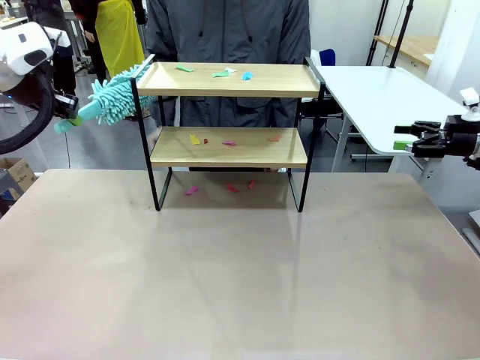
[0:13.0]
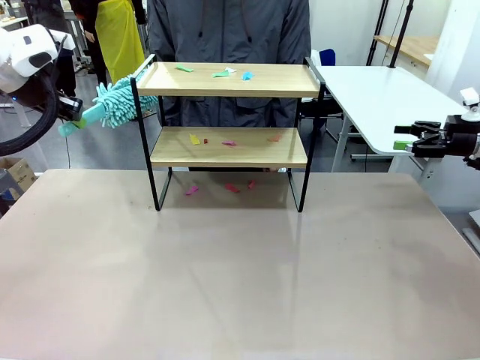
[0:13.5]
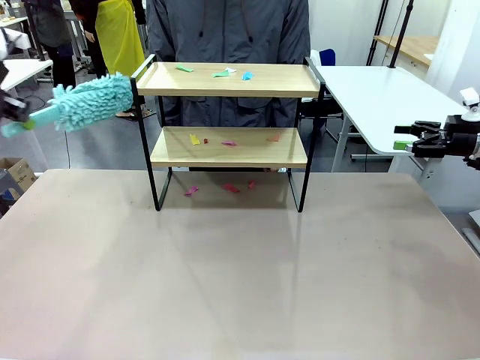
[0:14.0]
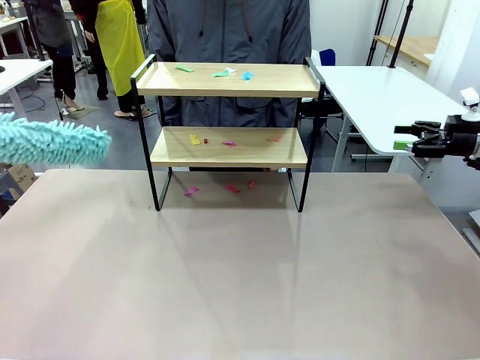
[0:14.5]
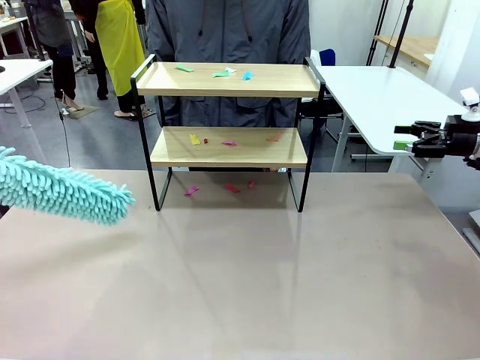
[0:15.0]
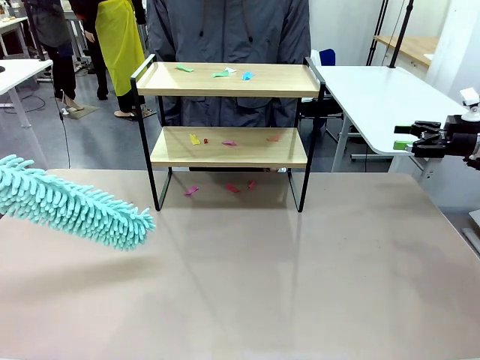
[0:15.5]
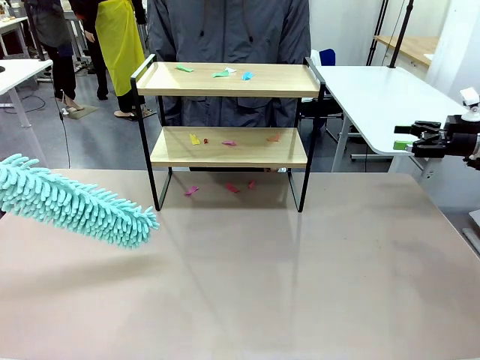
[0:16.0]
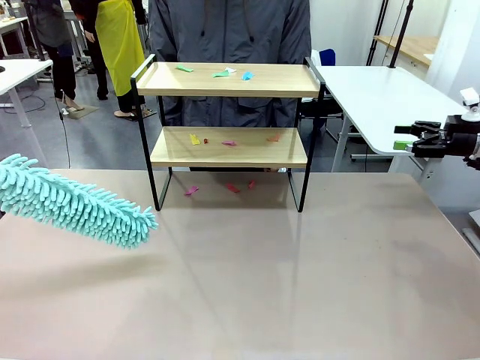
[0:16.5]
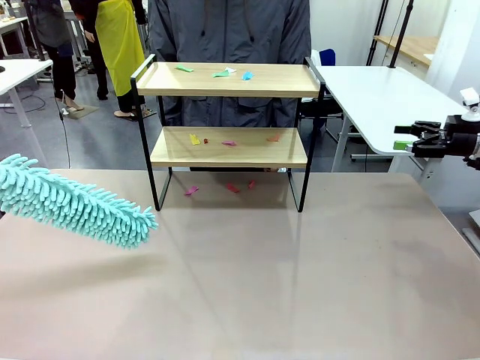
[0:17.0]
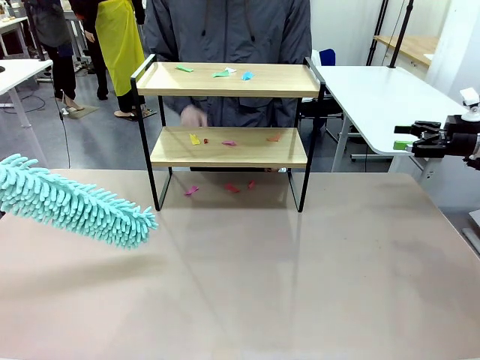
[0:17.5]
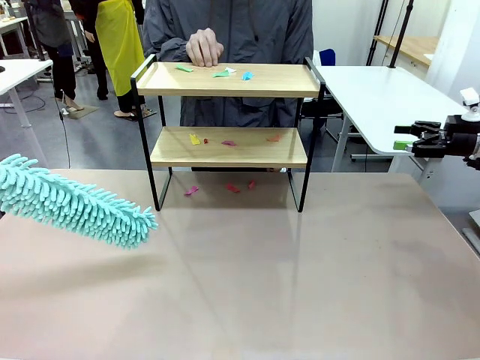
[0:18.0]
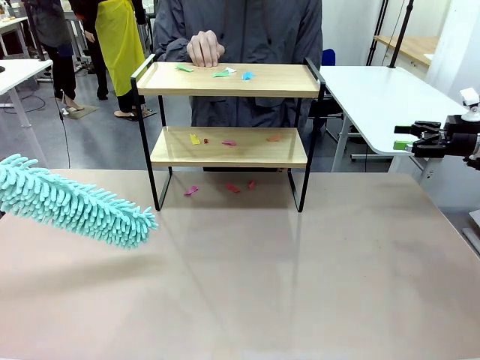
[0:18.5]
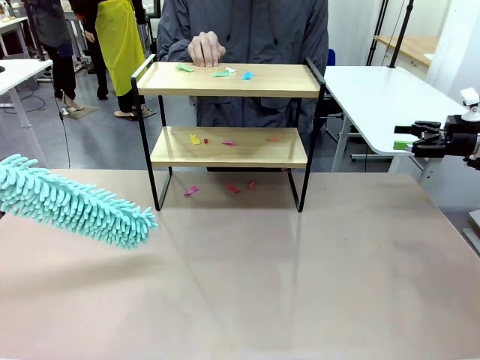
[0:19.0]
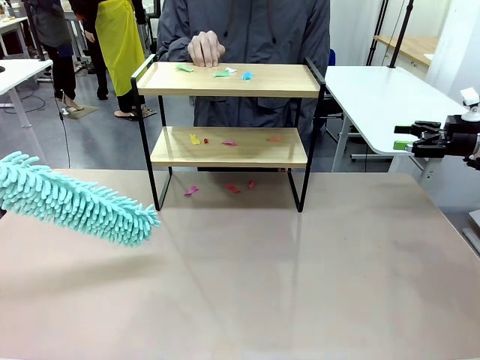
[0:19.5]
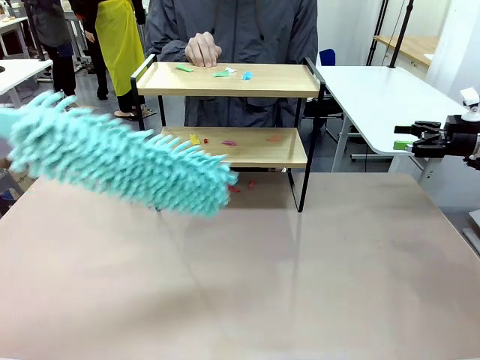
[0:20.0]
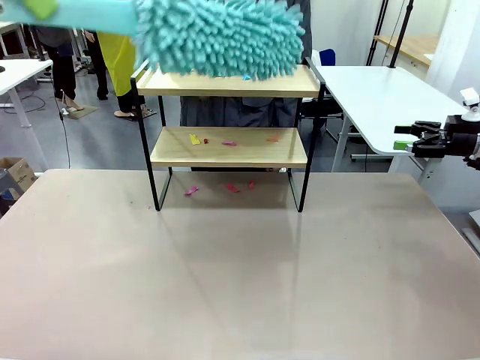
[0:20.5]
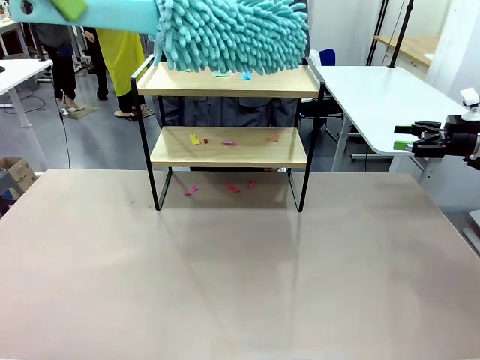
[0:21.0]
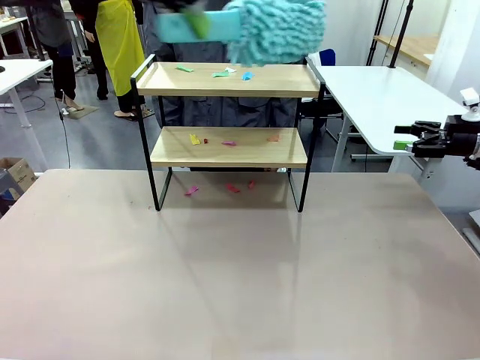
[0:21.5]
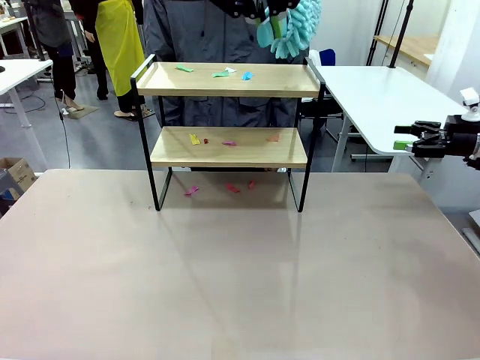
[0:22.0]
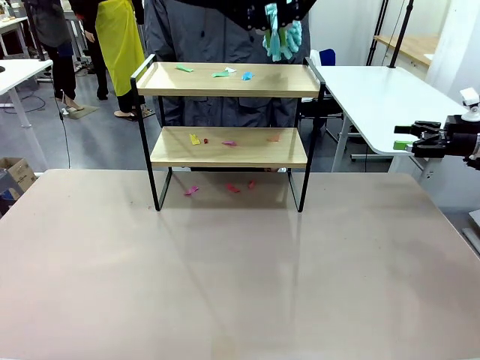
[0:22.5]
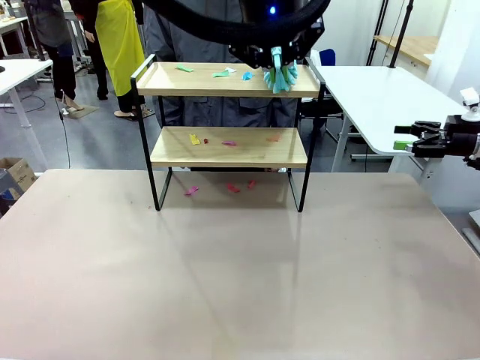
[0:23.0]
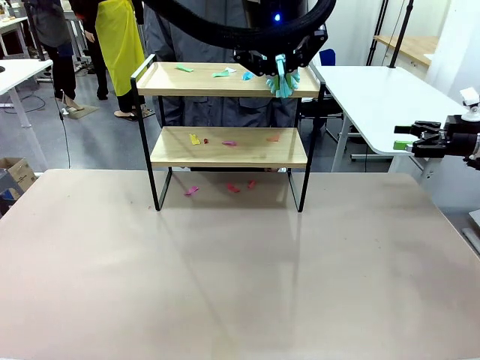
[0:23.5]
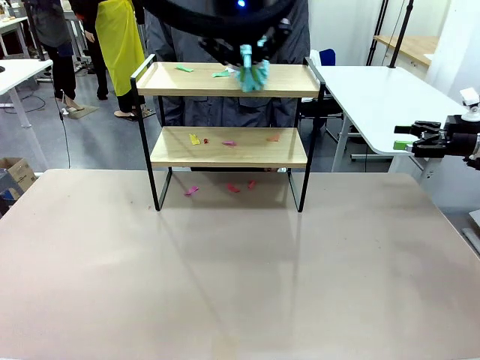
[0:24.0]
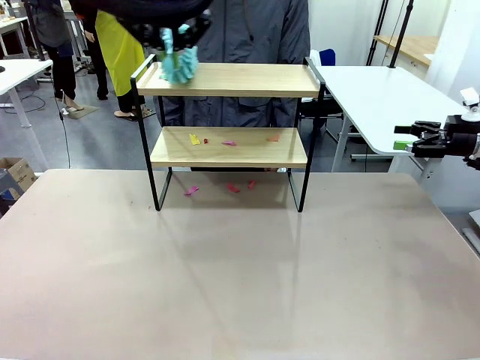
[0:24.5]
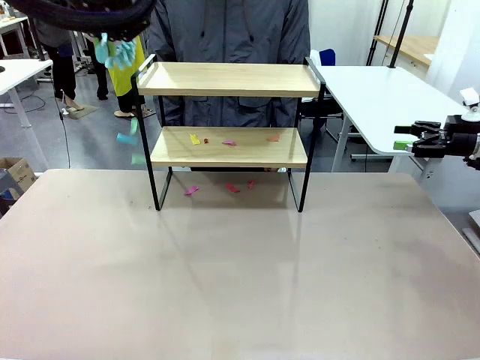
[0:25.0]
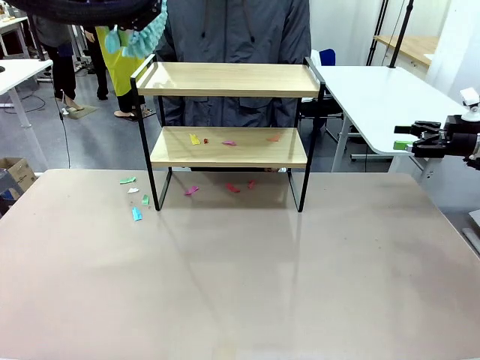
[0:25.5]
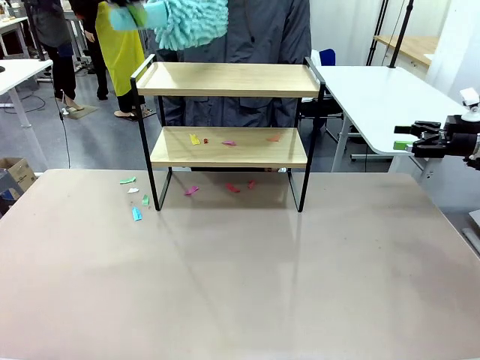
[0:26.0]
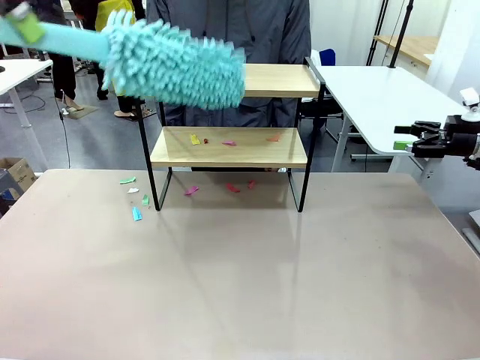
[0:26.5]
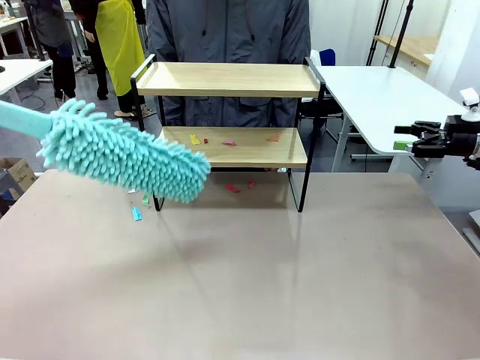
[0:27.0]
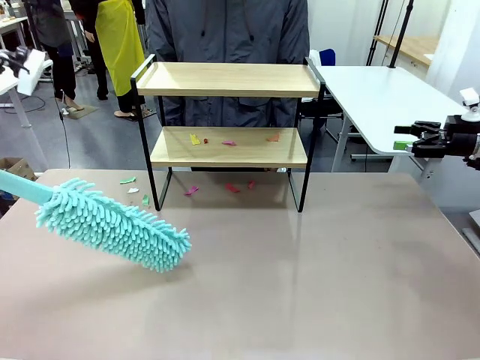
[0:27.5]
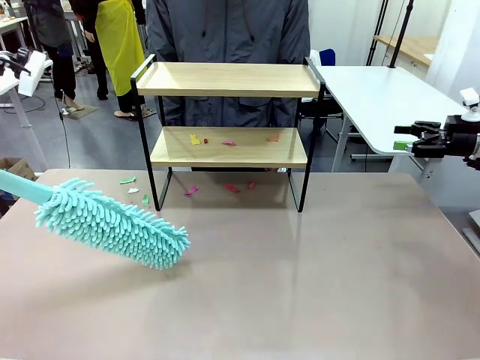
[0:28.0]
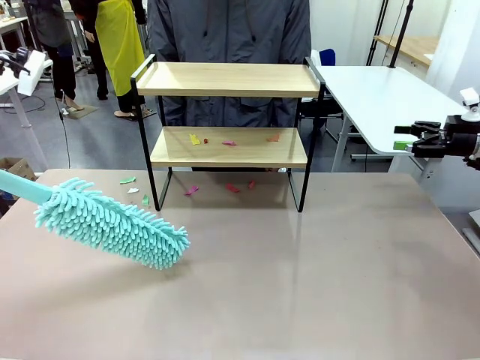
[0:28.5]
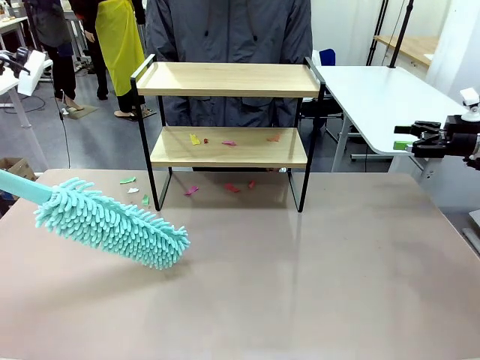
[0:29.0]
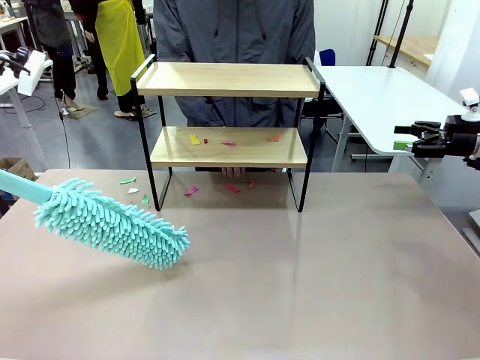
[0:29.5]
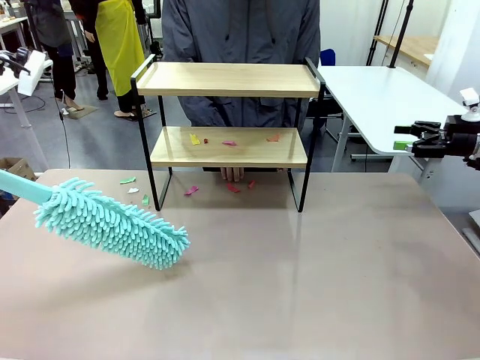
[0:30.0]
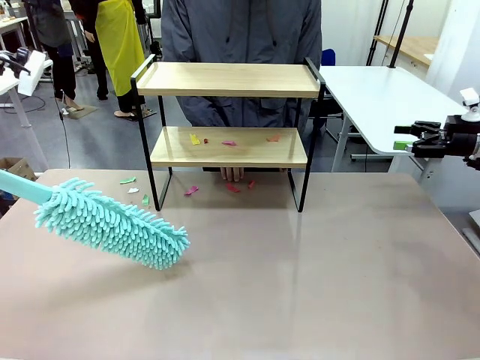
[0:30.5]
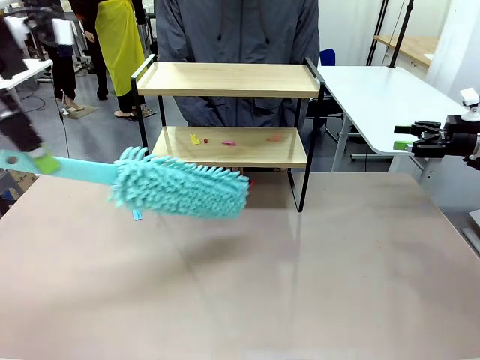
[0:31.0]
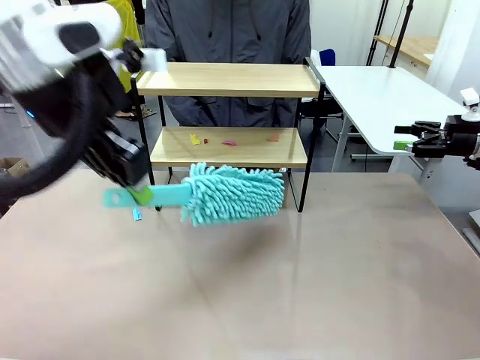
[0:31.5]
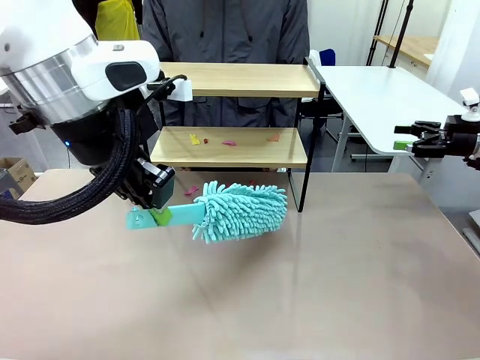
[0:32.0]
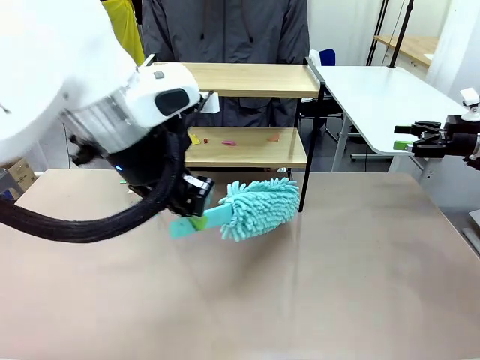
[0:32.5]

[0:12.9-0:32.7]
Task: Clean the shelf.
Robot: Clean the specific section of the Shelf indicated by the human with the Duster.
Person: Point a random section of the Shelf.
